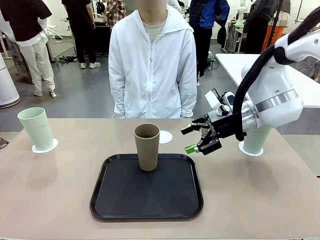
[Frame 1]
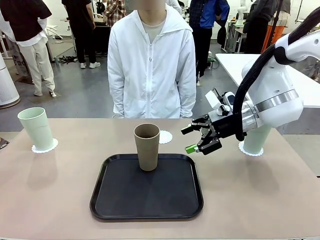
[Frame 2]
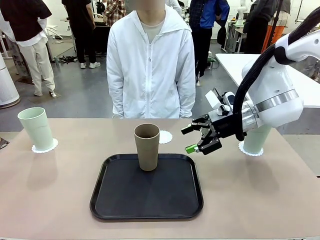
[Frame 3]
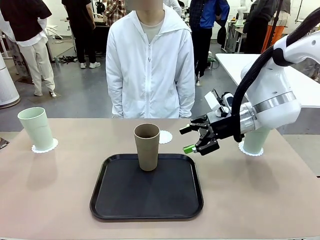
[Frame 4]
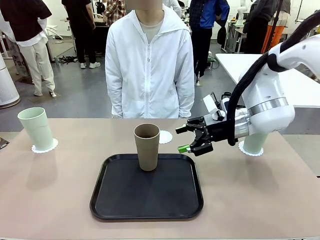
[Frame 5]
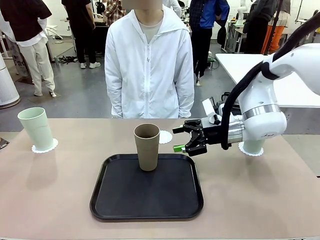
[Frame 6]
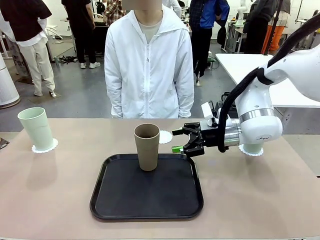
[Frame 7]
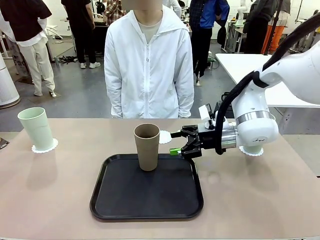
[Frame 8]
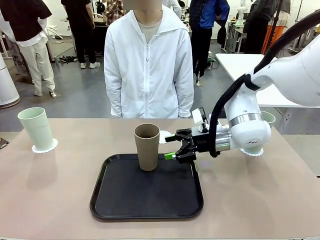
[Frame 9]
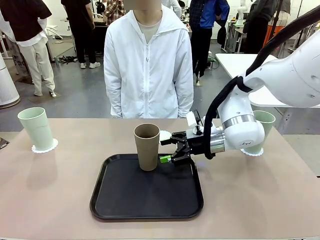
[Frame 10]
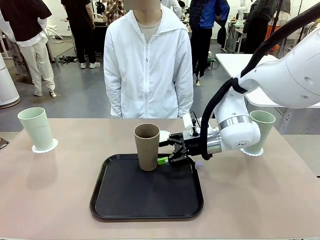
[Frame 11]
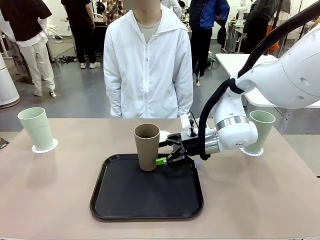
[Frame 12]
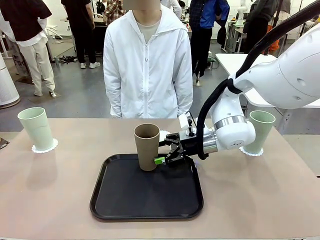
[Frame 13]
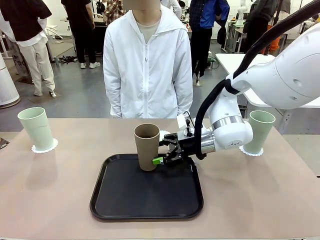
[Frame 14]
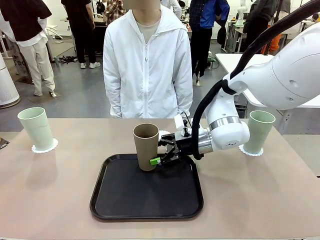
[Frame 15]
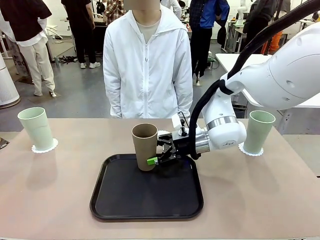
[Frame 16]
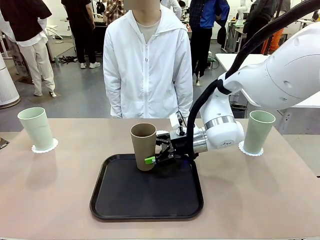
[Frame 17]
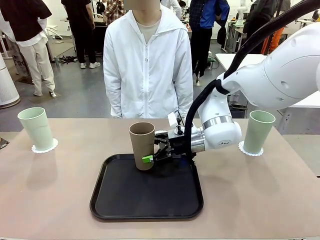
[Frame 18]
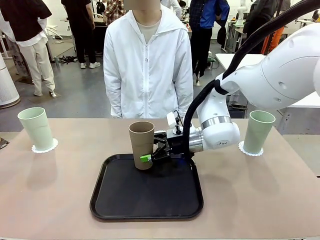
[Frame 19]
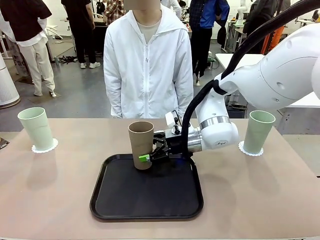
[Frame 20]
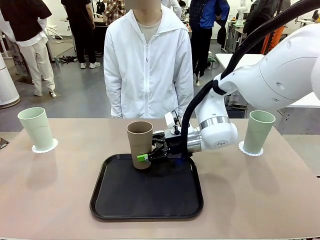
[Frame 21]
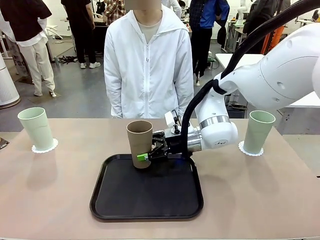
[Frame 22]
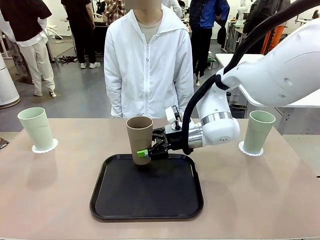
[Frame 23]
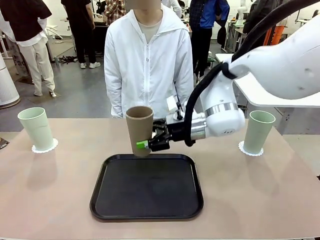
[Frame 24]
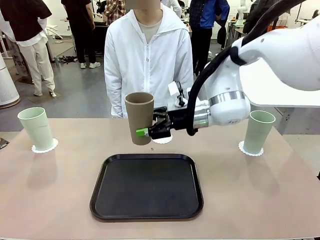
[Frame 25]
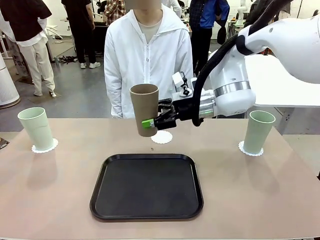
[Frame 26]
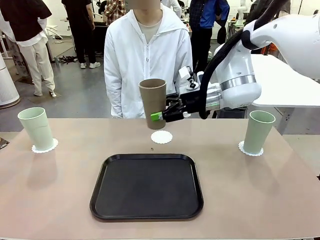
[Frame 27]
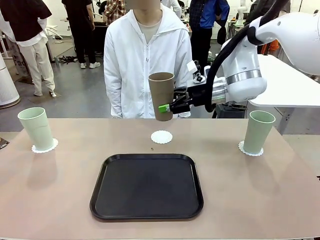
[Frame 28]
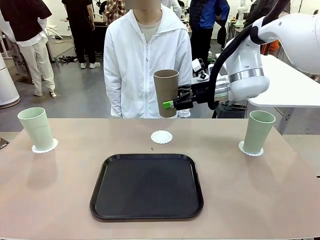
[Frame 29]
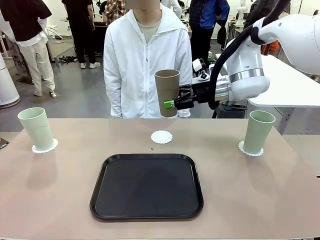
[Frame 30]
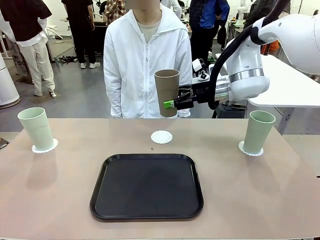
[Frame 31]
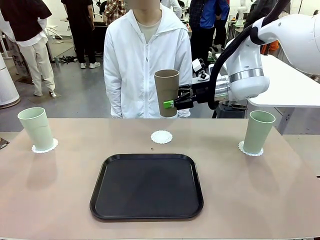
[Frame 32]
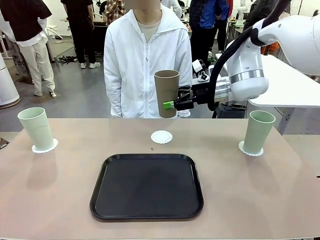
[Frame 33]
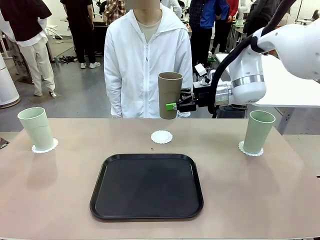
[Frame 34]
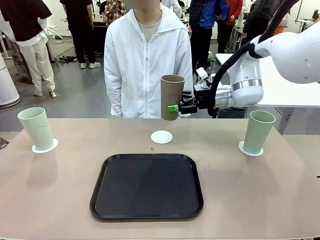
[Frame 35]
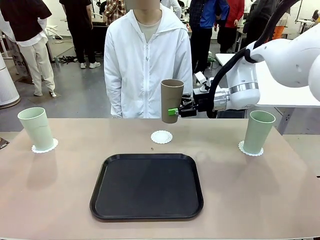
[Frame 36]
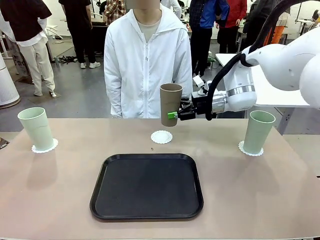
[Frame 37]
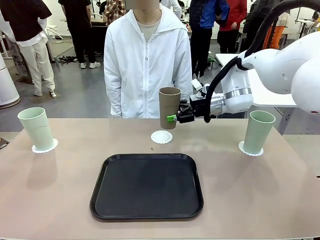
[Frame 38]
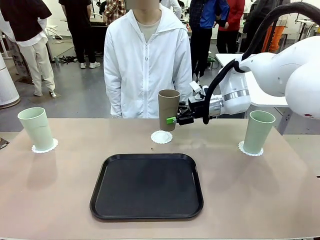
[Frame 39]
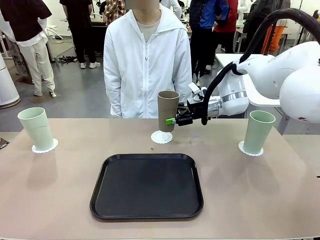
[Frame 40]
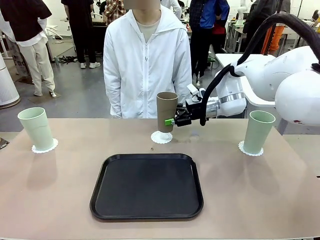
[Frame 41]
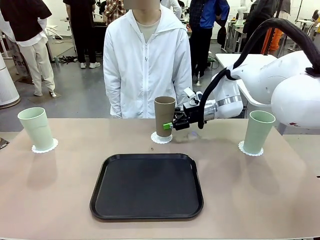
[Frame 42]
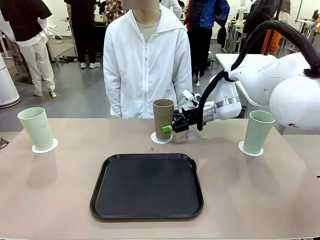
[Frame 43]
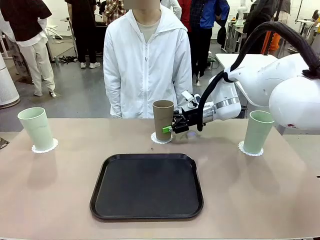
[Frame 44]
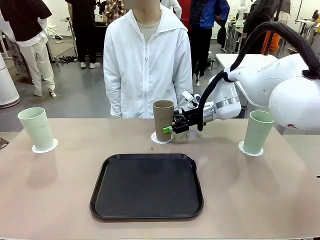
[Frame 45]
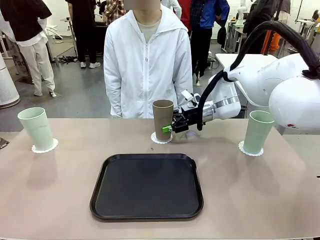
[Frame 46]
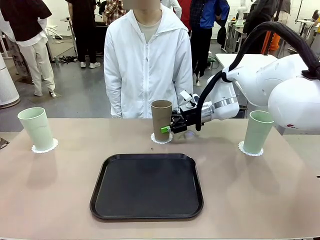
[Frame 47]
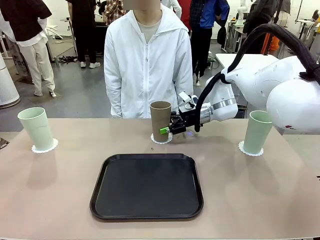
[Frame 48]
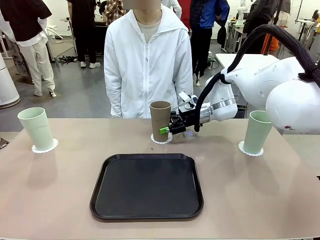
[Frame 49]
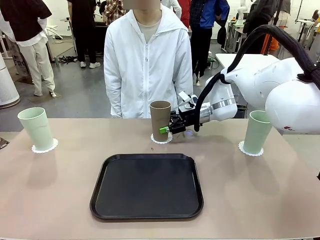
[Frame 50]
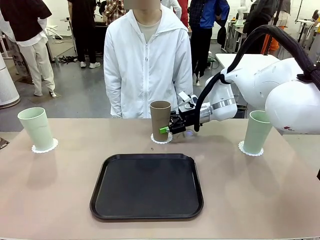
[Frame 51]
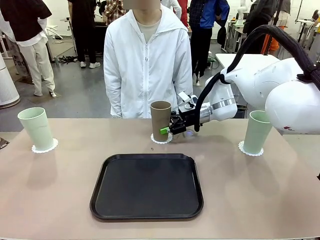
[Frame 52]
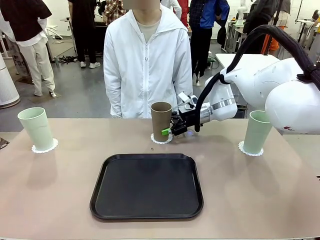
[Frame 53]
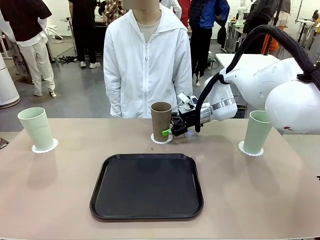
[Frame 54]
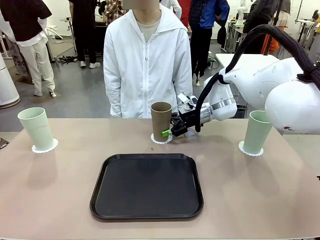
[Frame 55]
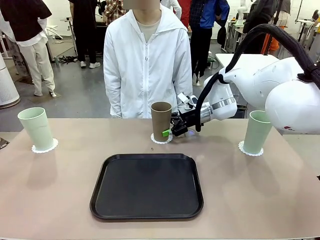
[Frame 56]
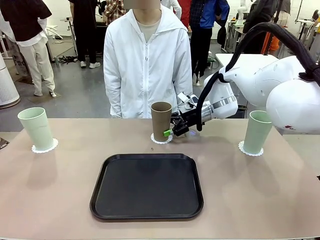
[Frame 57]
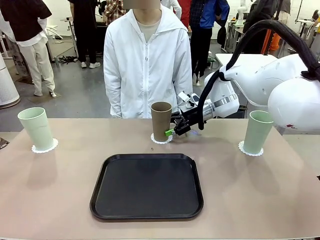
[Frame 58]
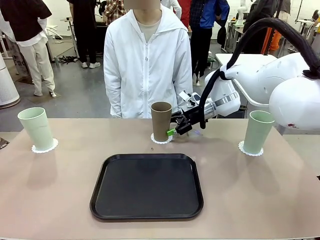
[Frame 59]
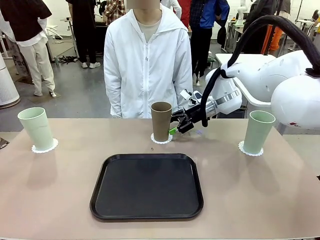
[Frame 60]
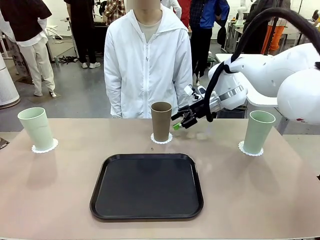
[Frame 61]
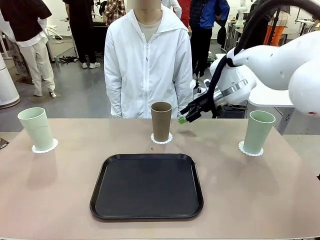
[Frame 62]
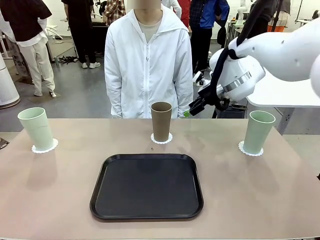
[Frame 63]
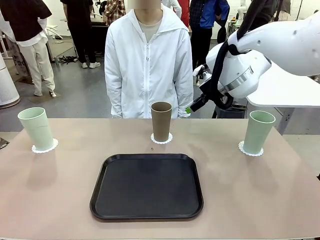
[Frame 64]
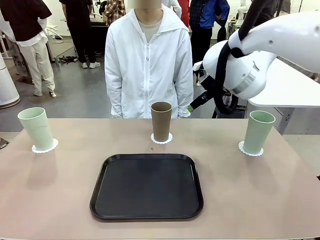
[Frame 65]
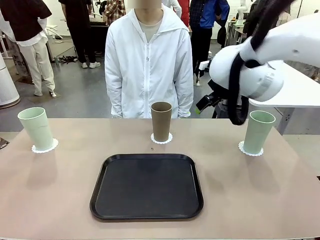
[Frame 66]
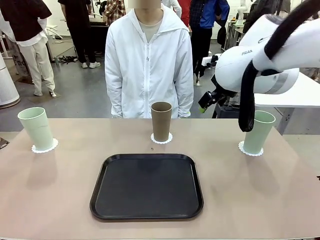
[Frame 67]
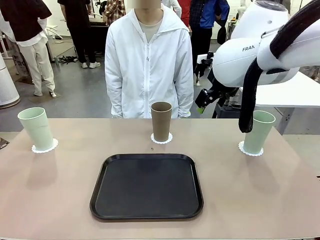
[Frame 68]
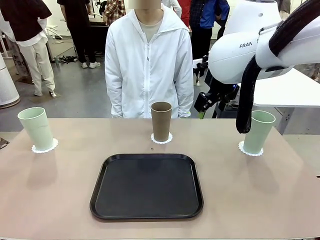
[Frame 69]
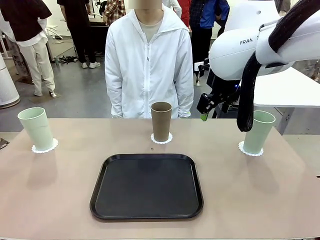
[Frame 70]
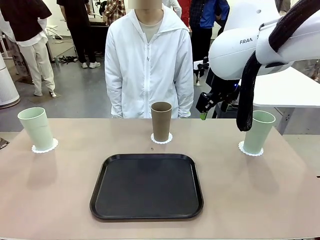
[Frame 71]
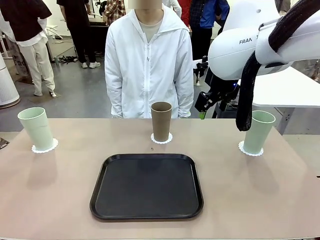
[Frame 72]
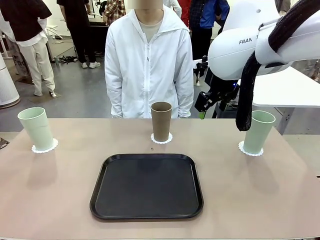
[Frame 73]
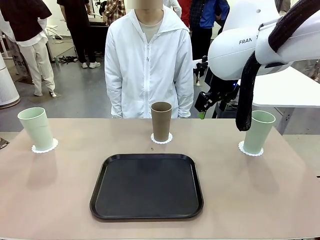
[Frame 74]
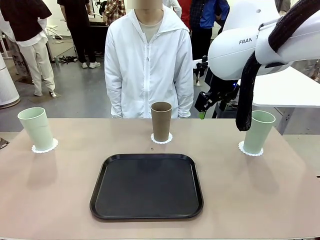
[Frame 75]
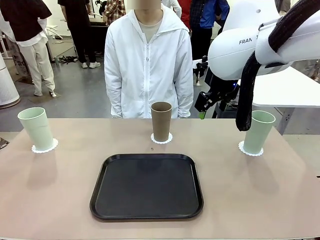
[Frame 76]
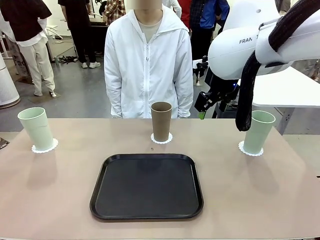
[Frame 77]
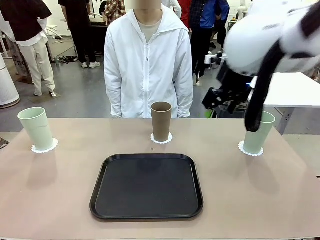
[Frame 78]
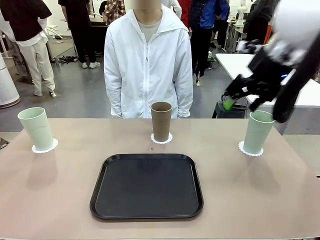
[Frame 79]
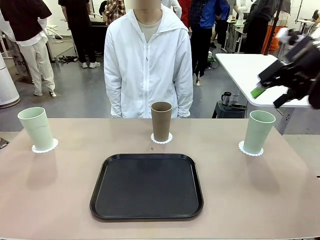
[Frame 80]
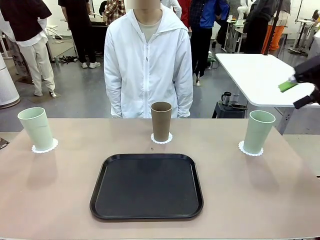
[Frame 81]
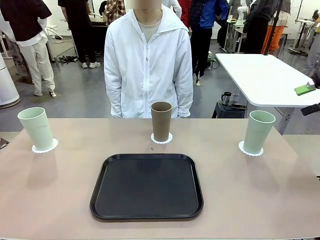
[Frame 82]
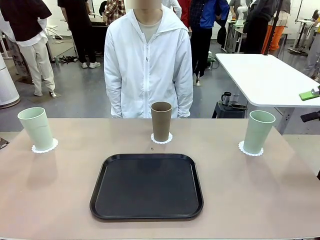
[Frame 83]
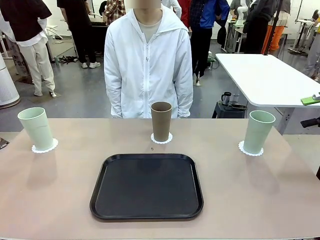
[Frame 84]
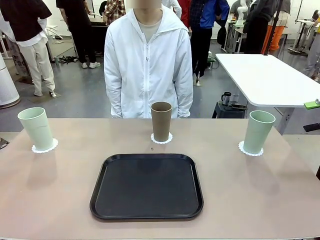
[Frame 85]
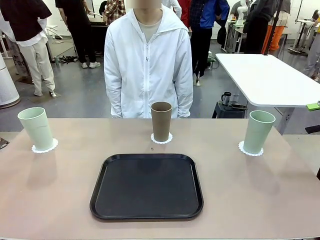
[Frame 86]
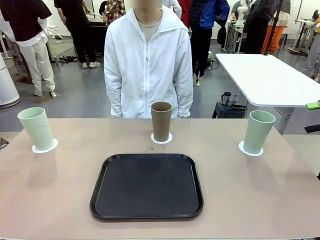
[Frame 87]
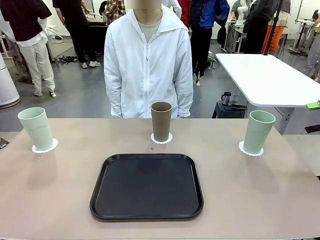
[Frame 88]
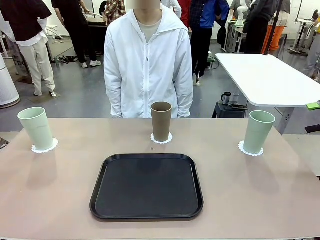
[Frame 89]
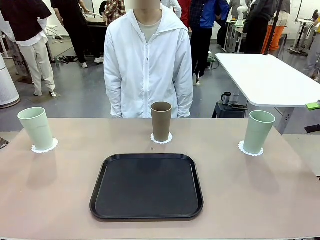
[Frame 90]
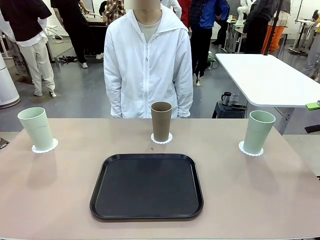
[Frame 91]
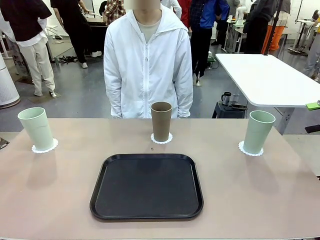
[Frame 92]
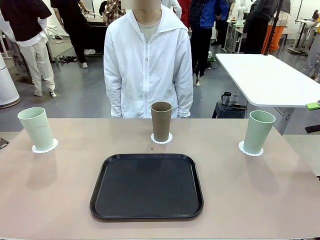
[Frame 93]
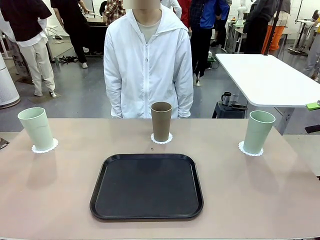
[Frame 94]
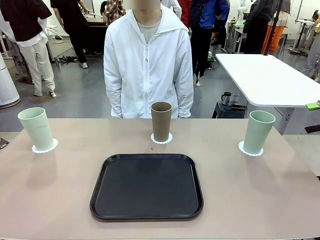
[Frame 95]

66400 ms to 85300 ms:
Task: Place coasters on the table and set cups on them.
Robot: Take one Reusable plastic cup from the Flat Tray and place it on a coaster set by the human.
